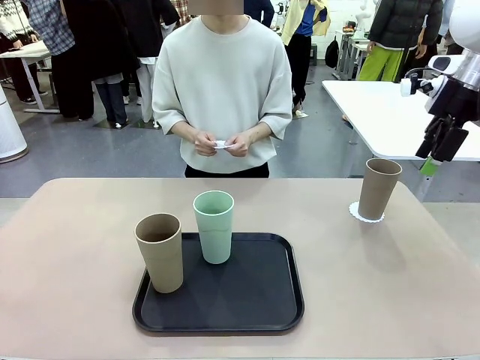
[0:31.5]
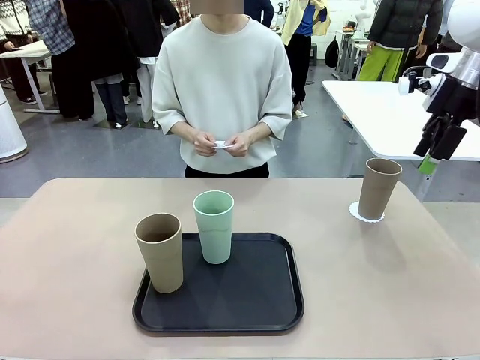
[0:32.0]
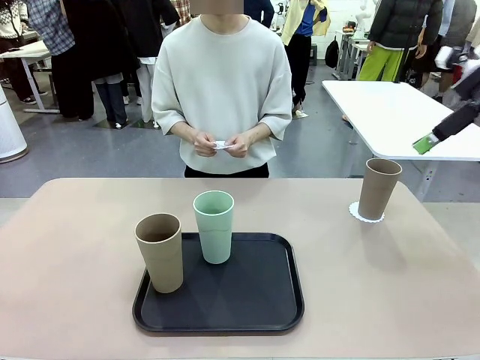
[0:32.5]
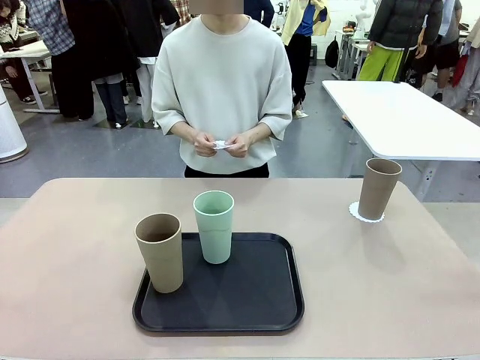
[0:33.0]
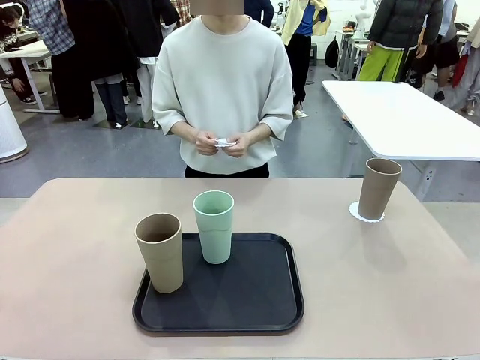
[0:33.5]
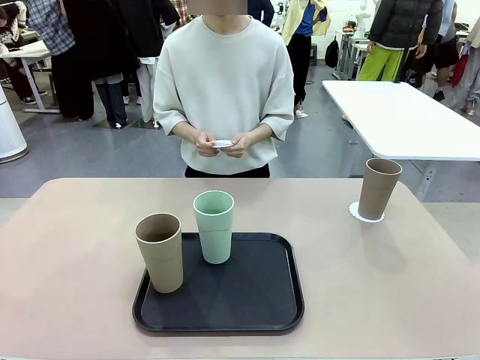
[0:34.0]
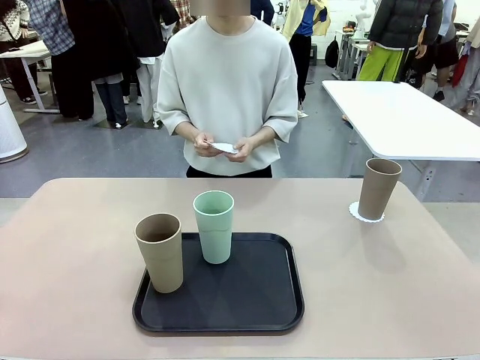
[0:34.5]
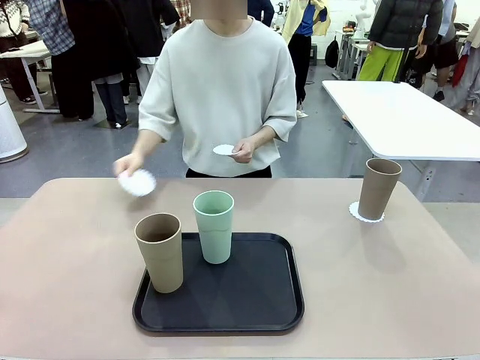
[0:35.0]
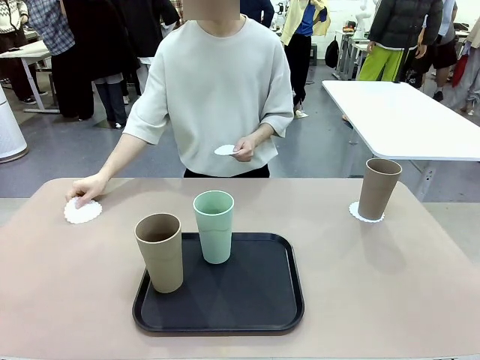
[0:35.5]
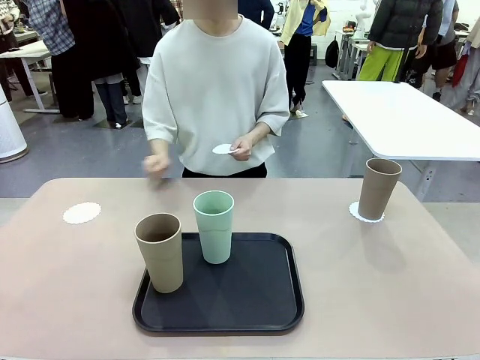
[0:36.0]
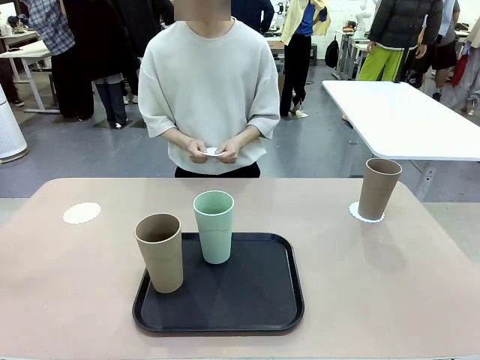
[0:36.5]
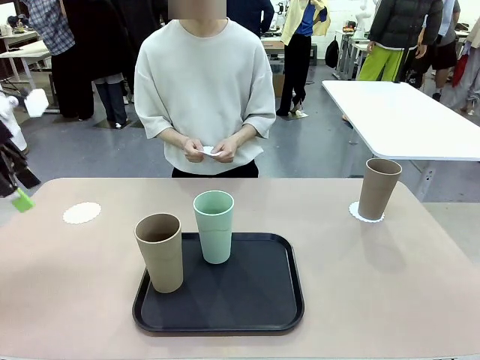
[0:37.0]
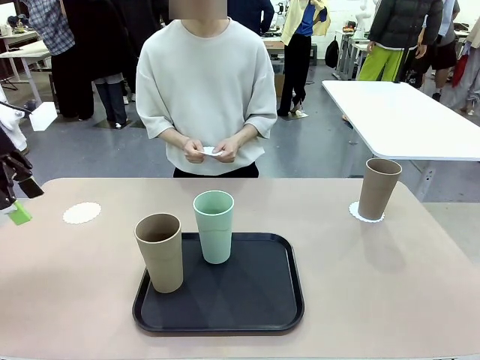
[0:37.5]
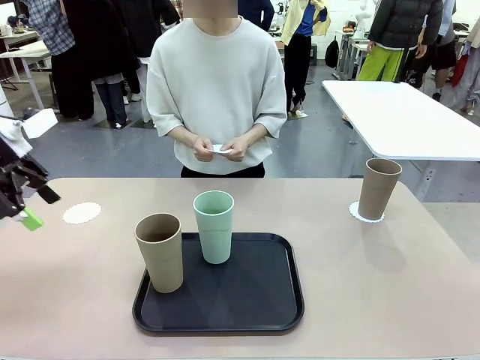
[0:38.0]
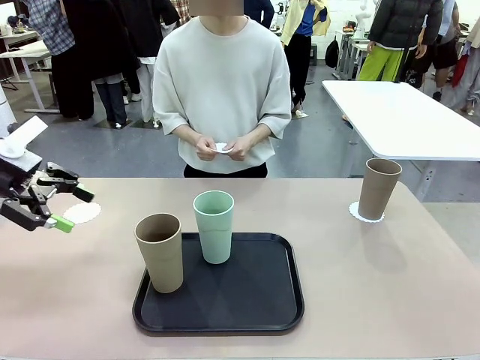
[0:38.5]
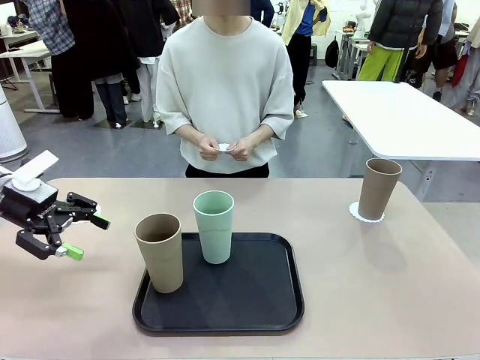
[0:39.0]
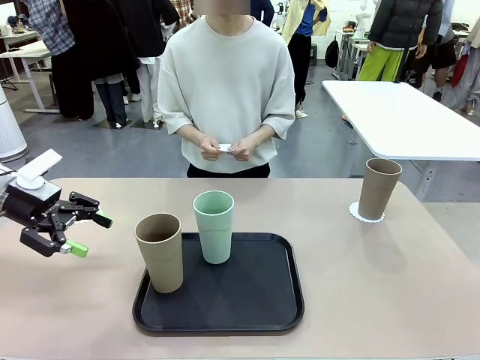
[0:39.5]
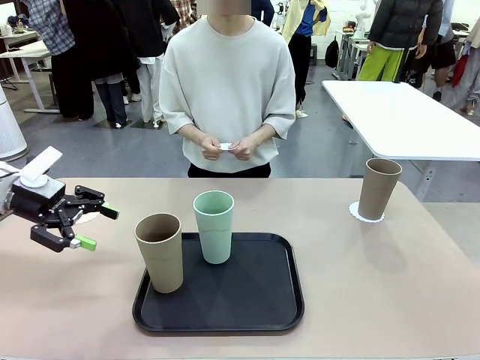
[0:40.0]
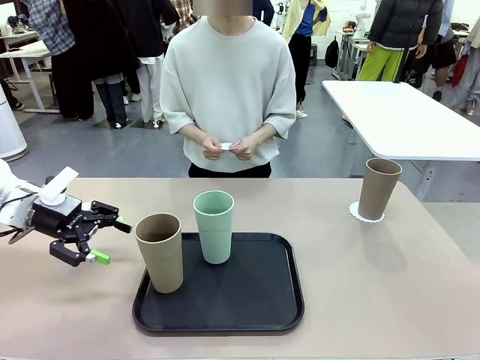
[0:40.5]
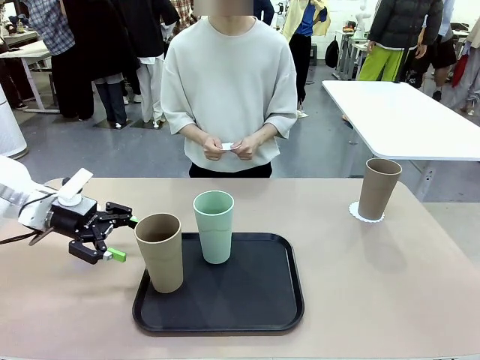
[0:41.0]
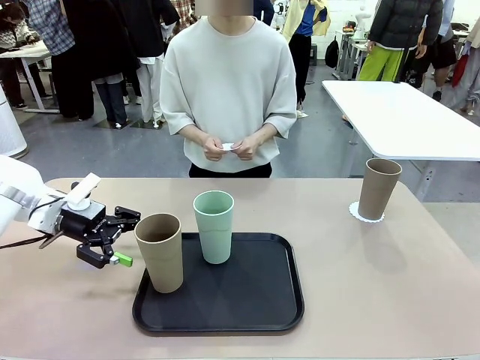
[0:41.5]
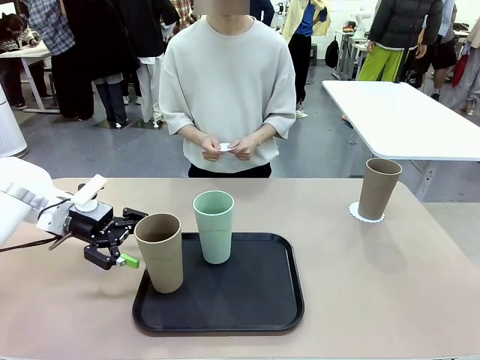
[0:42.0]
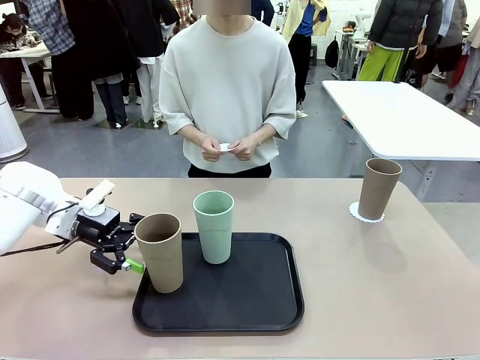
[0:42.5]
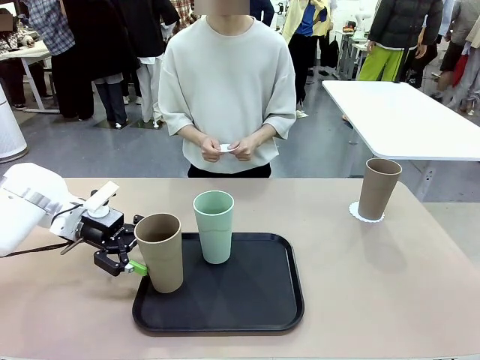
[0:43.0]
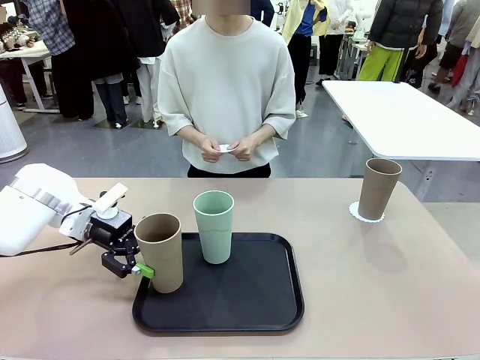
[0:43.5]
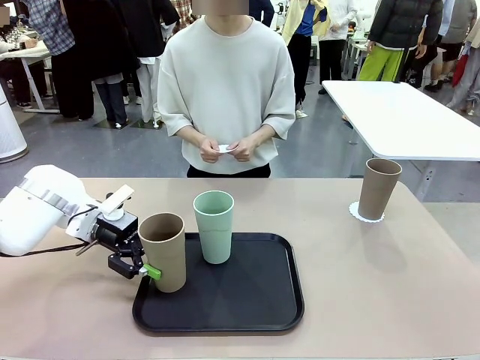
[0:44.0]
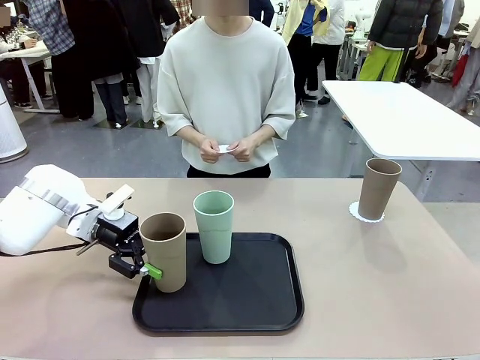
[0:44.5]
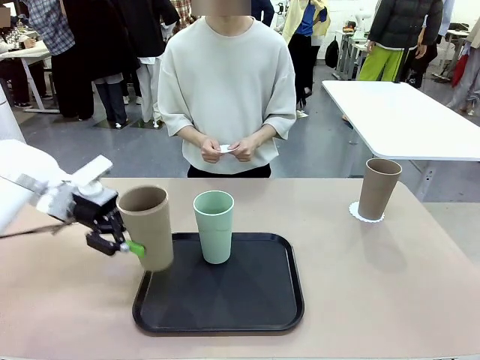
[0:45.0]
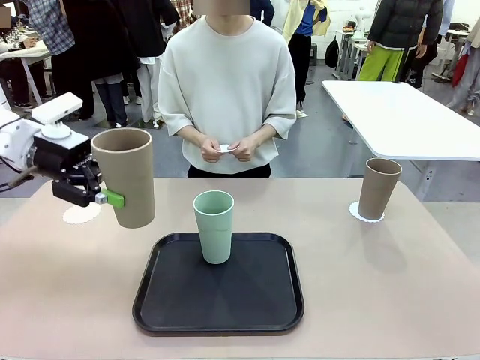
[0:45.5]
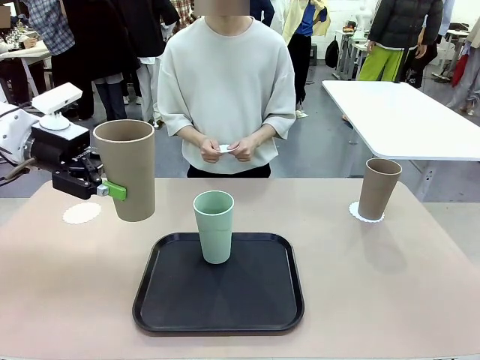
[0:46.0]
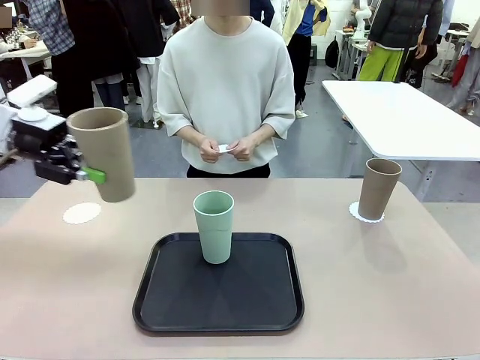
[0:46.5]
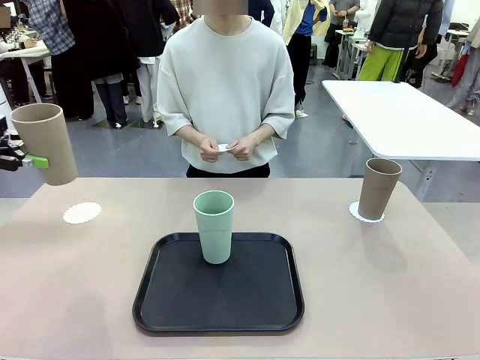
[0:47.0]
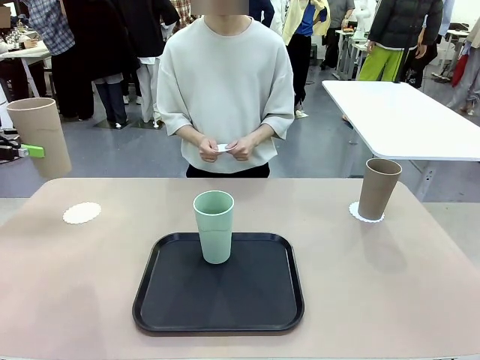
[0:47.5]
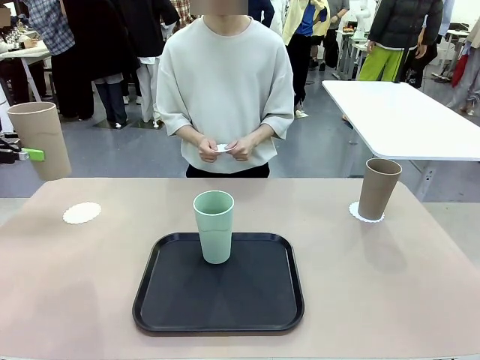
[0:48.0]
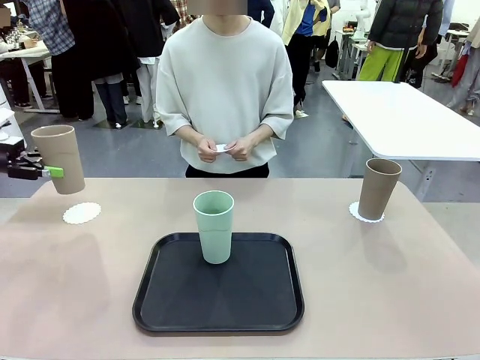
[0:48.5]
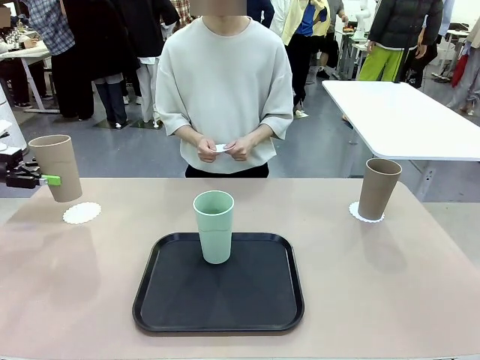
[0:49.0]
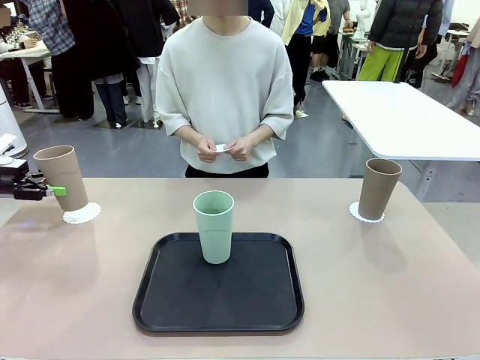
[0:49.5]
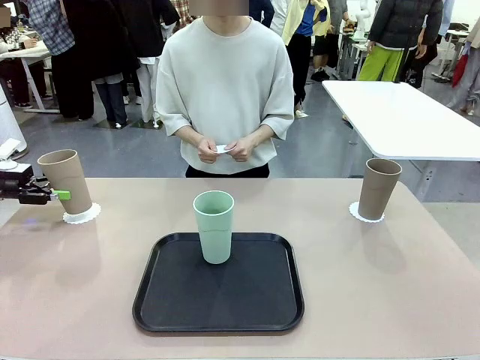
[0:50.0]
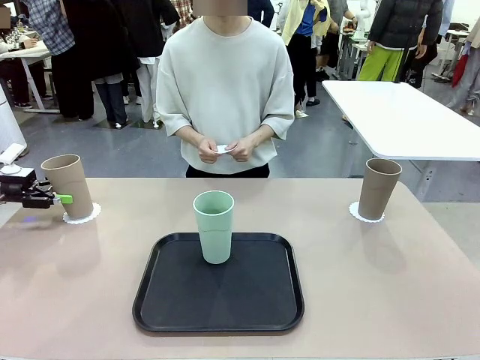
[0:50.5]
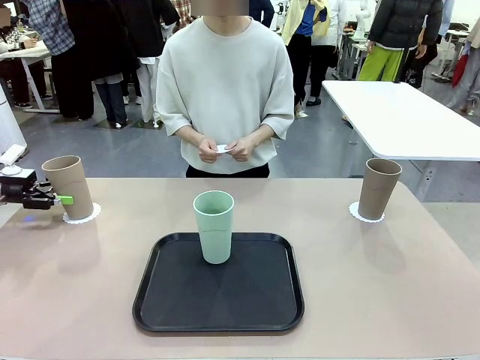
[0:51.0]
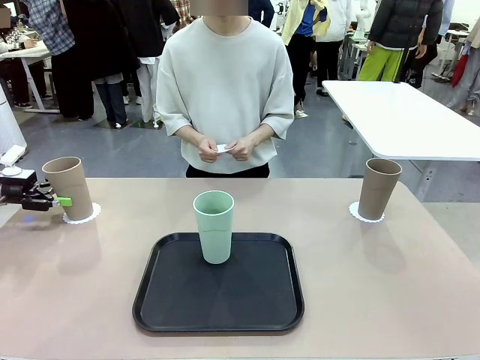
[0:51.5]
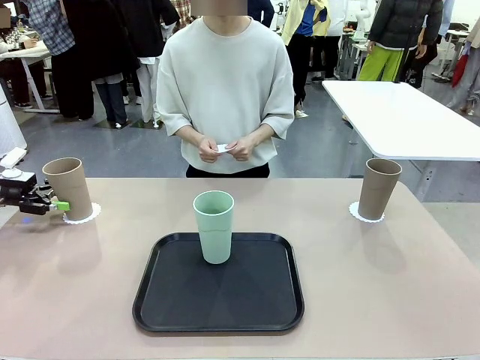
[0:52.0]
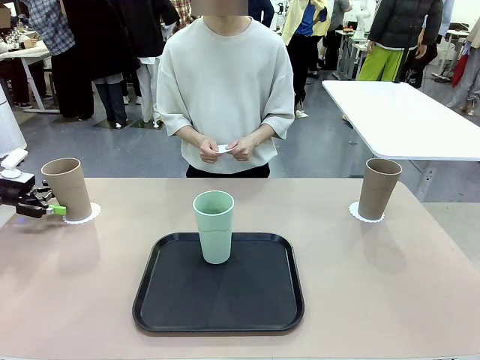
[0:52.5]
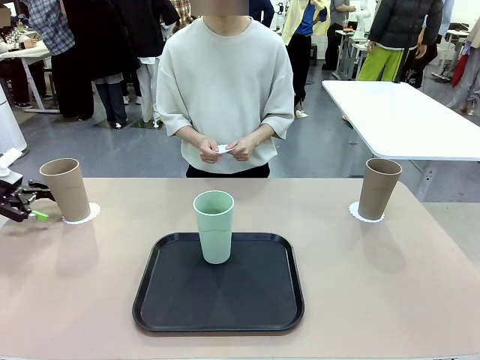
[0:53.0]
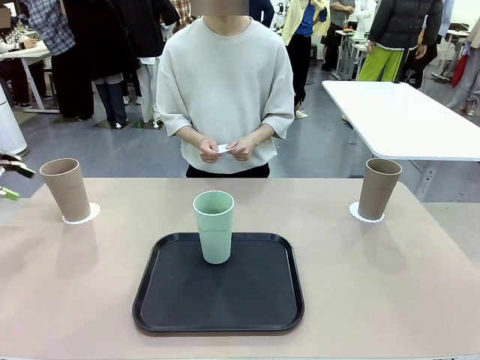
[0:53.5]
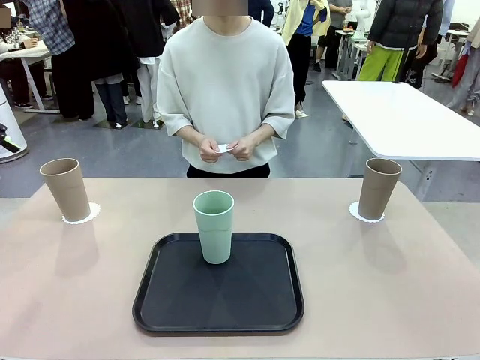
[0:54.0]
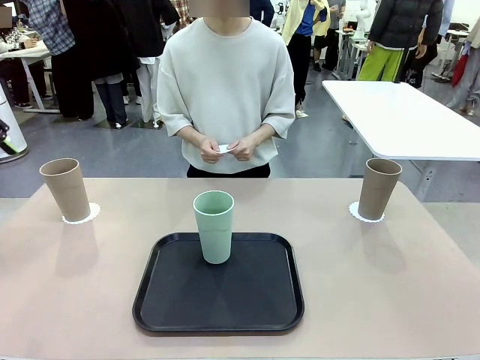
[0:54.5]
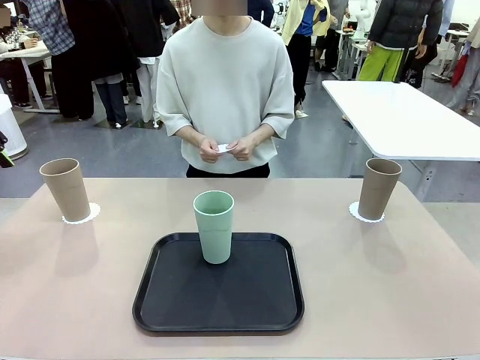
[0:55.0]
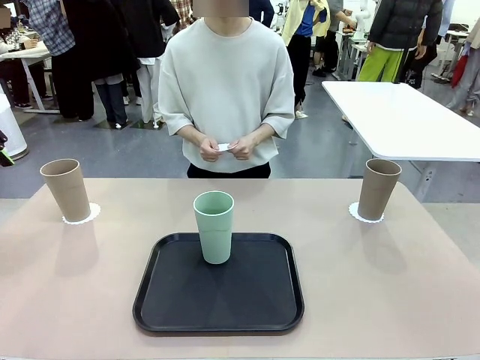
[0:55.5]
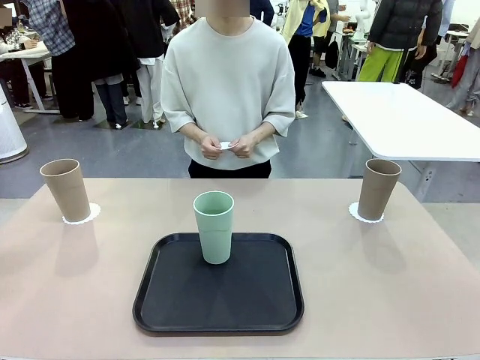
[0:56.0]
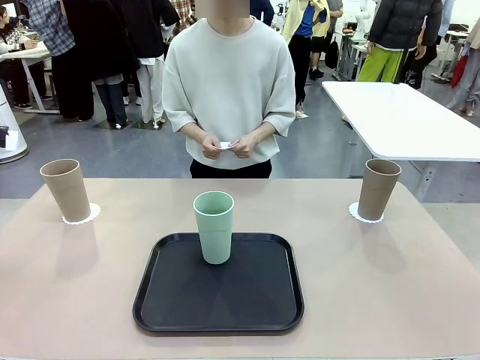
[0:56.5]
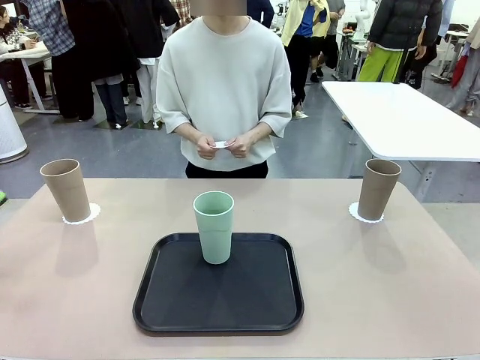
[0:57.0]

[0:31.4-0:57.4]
Task: Place coasters on the table and set cups on them.
Robot: Take one Reusable plastic cup from the Flat Tray and place it on a coaster set by the human.
